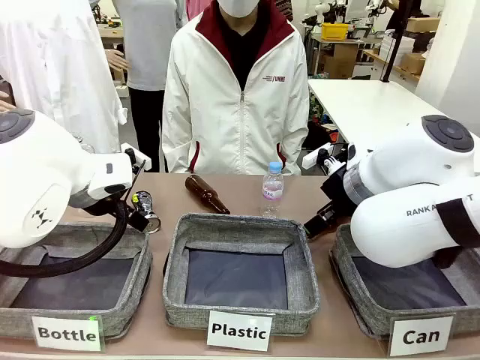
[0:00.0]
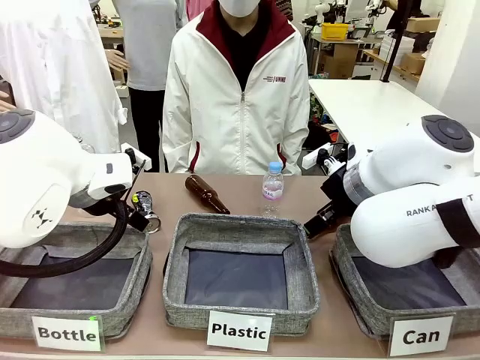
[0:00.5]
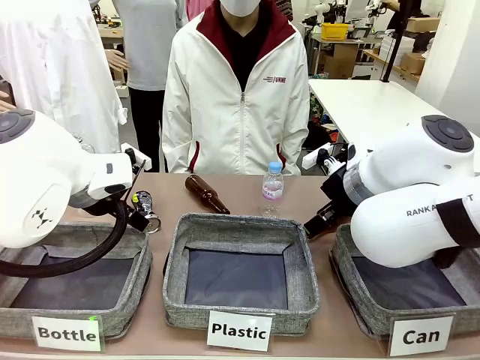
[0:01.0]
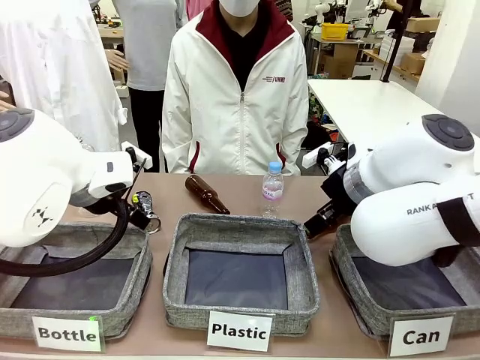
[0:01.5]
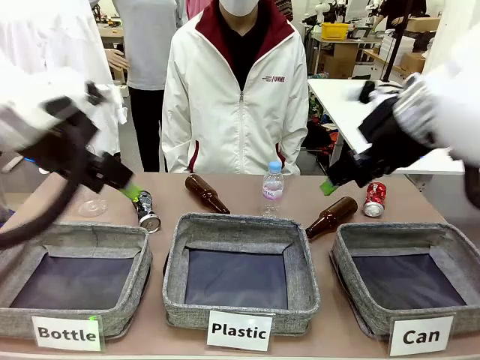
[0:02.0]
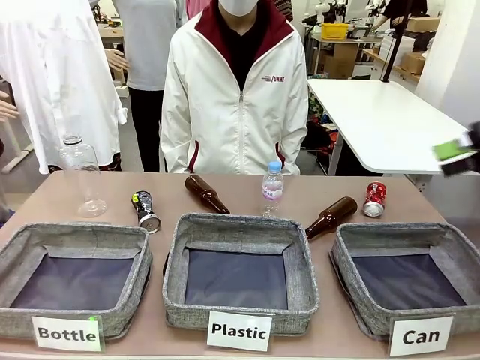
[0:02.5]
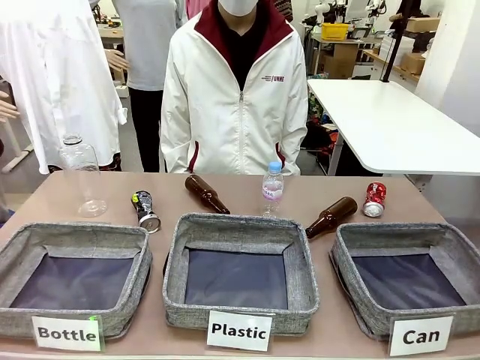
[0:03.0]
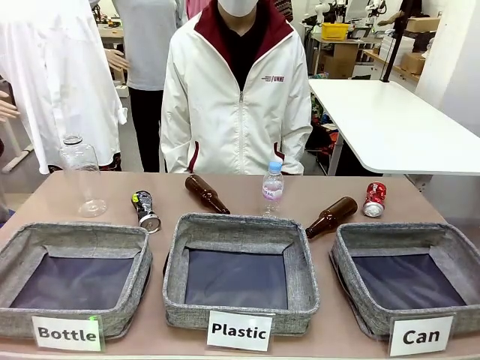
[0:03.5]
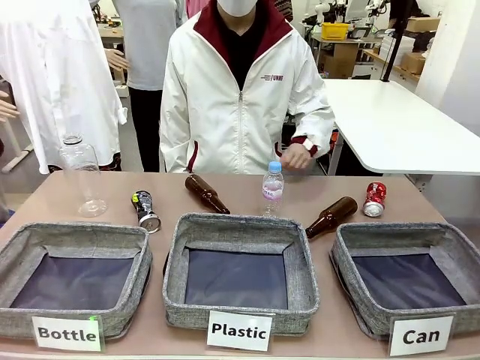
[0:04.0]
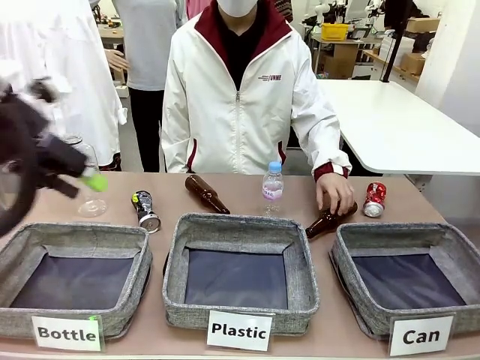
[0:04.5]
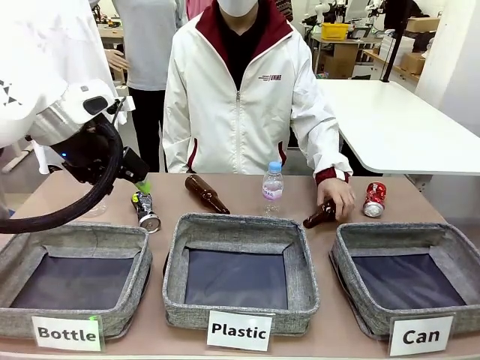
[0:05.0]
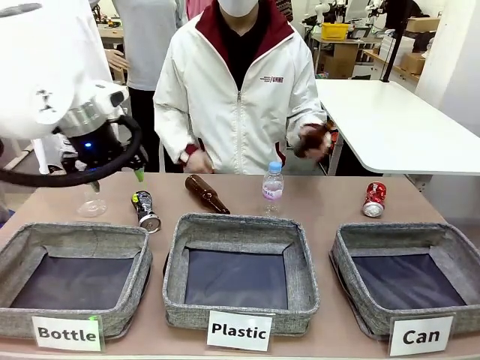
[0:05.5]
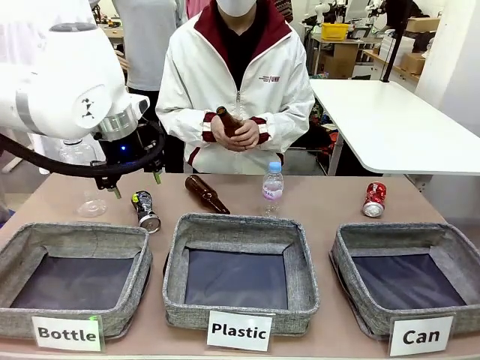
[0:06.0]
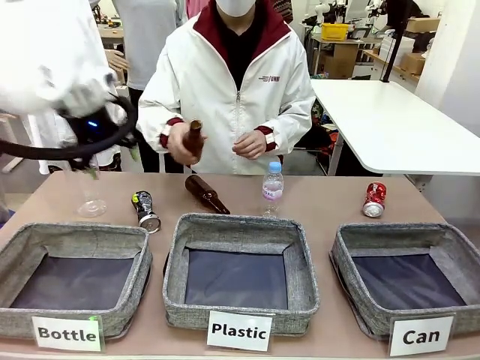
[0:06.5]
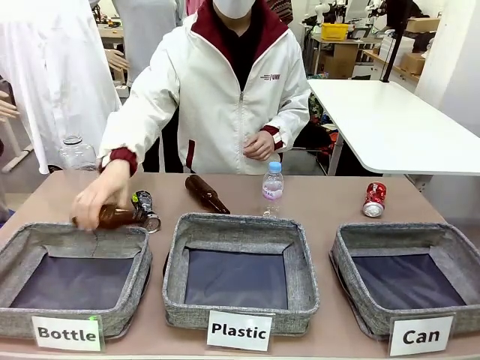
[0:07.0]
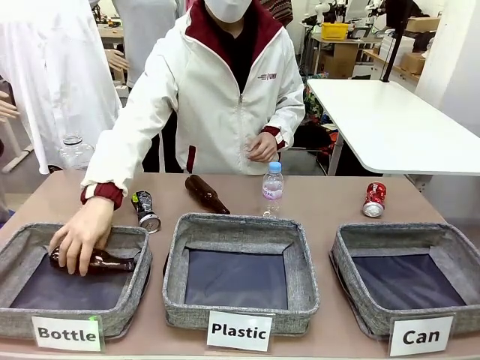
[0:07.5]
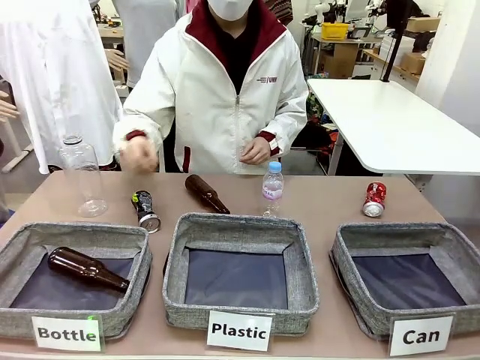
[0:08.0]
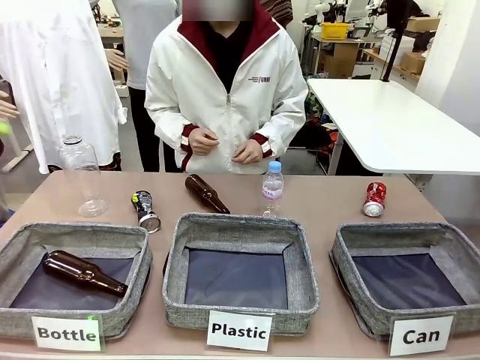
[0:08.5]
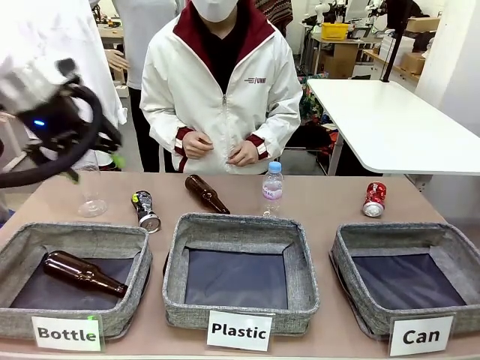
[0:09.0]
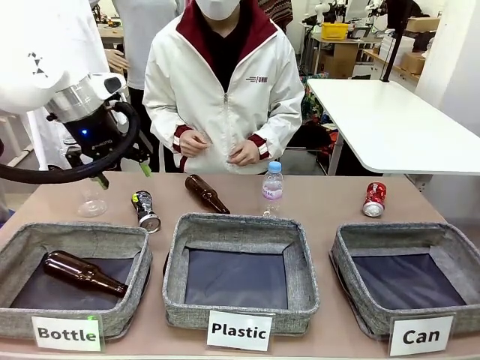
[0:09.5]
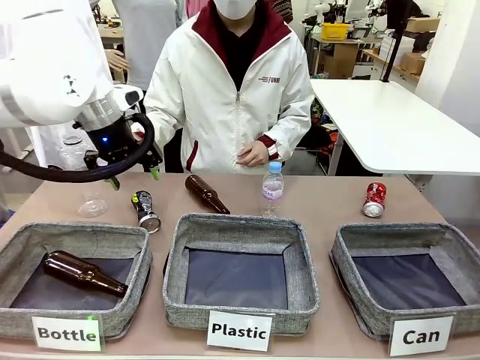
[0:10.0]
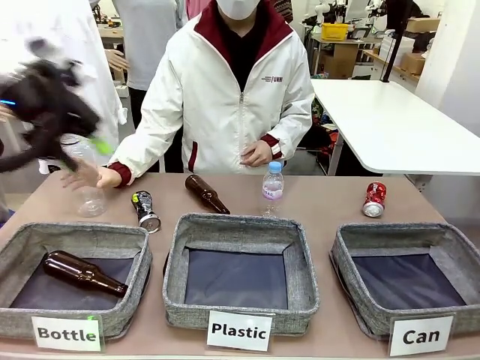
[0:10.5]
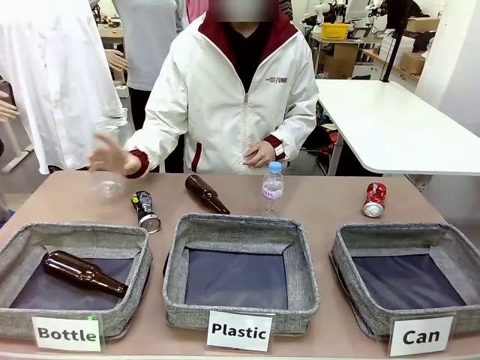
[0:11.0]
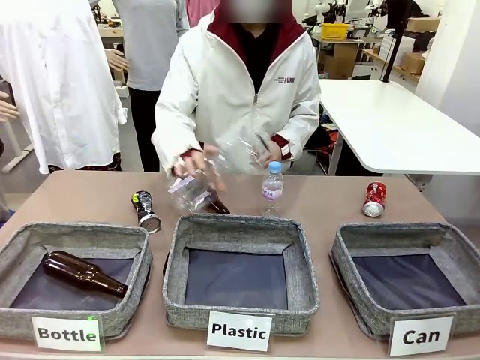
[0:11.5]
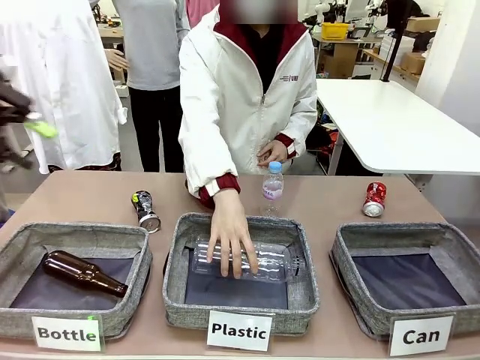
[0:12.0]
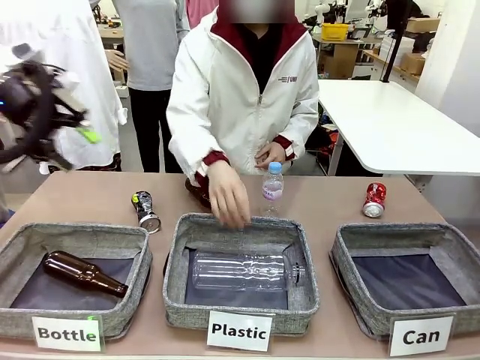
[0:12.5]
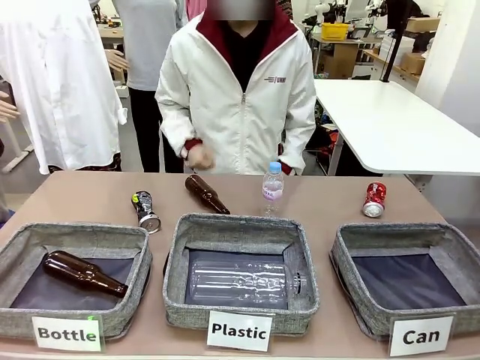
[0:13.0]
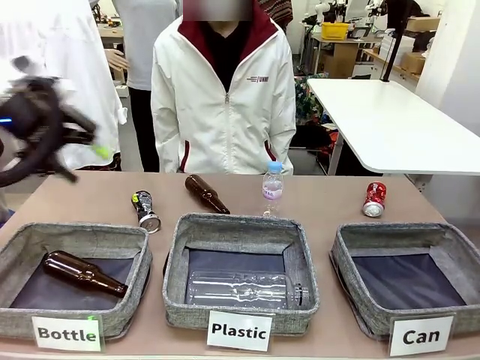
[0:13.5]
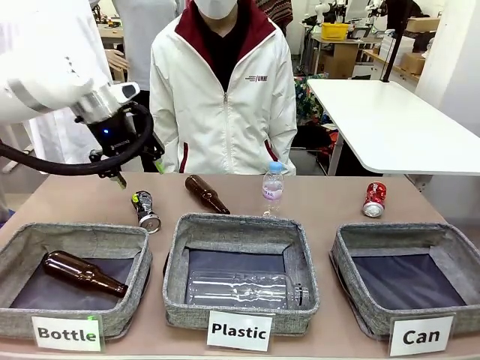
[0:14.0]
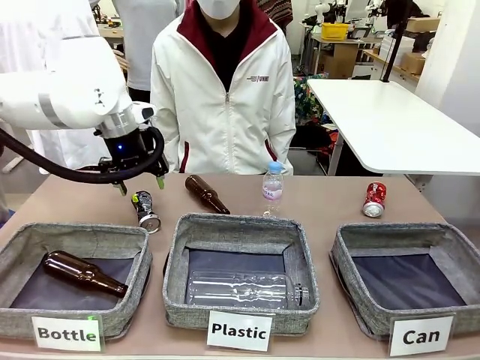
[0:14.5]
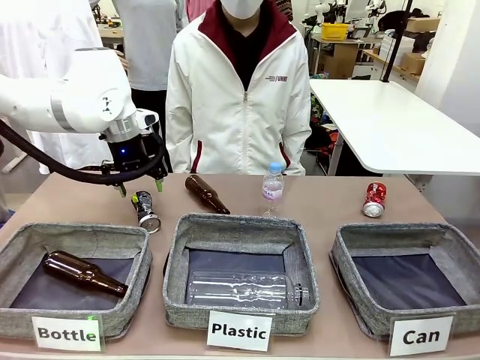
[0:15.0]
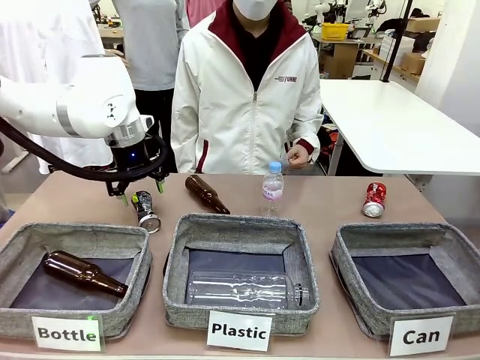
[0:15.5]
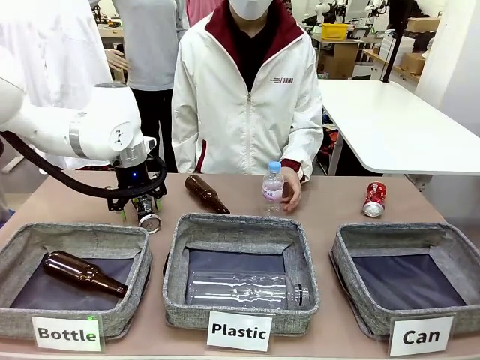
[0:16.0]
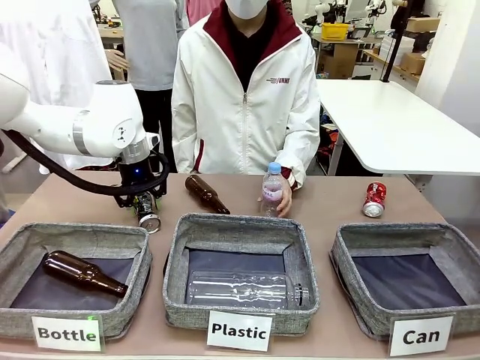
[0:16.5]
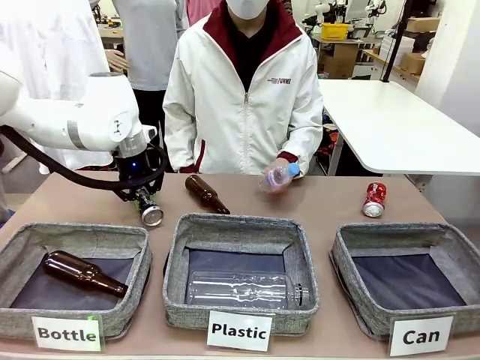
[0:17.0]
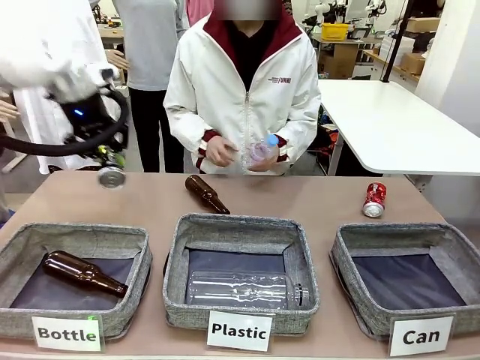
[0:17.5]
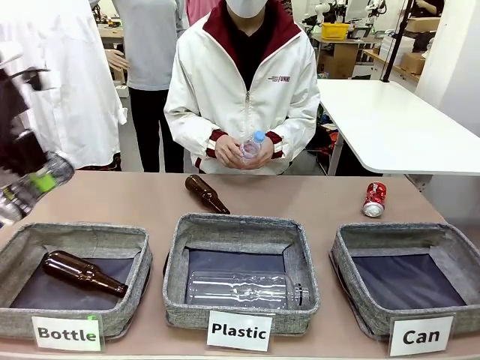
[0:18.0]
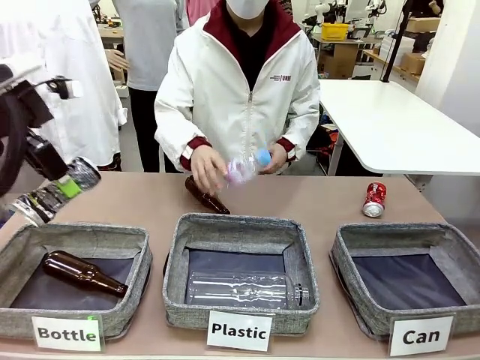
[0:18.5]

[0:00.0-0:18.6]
Task: Sort the can waste into the basket.
Robot: Pick up the can waste from the table and place it in the right Fabric basket.
